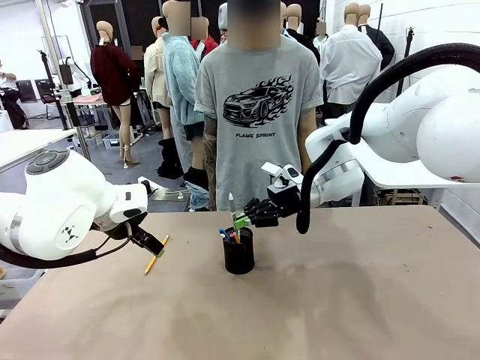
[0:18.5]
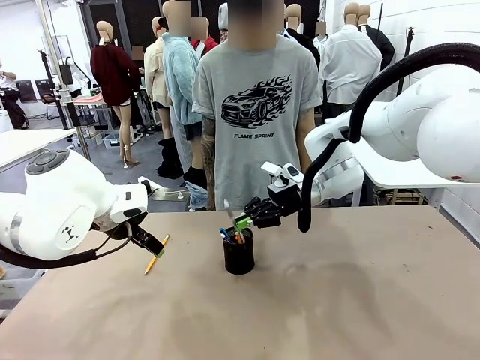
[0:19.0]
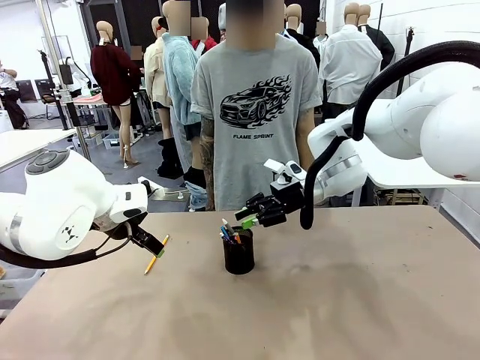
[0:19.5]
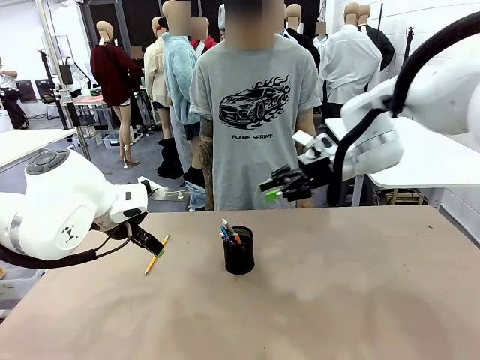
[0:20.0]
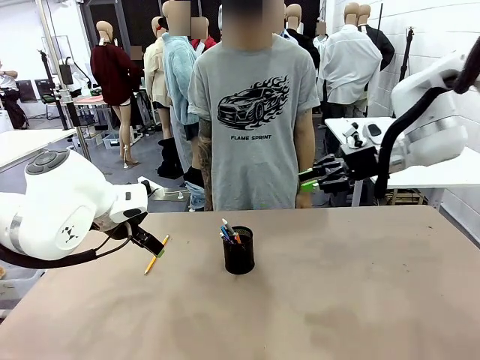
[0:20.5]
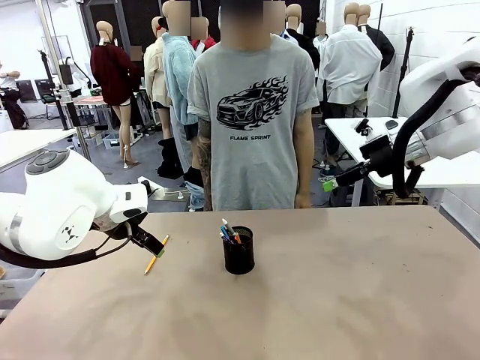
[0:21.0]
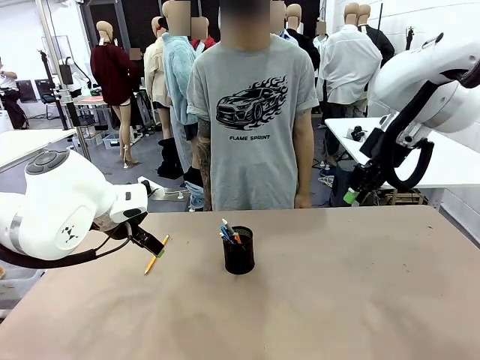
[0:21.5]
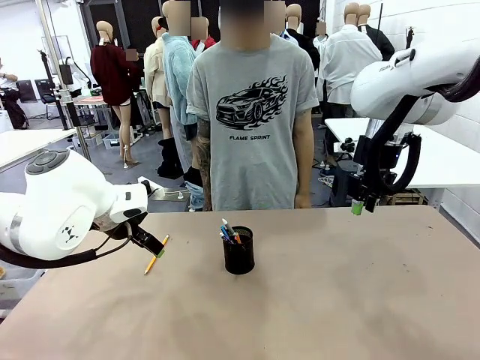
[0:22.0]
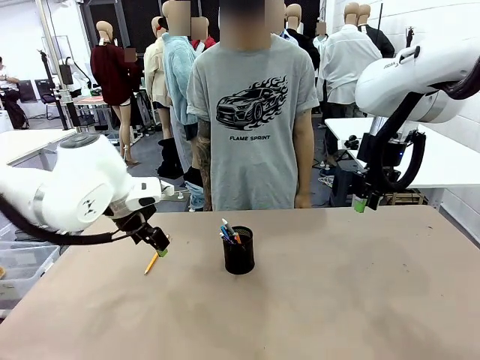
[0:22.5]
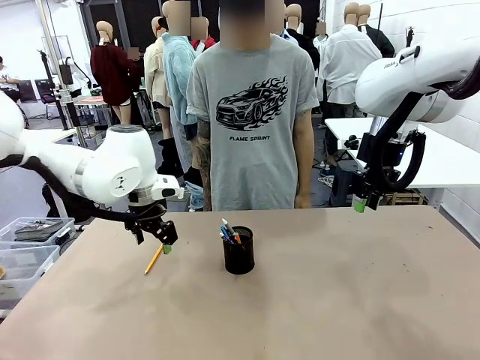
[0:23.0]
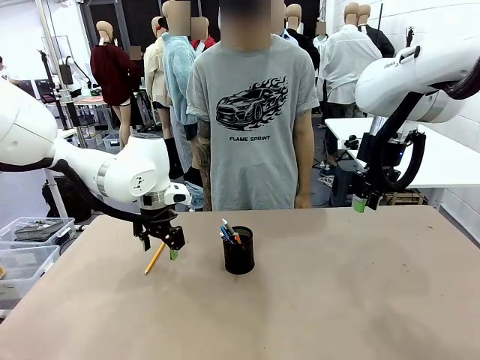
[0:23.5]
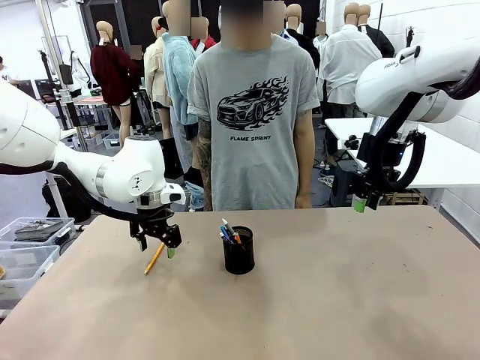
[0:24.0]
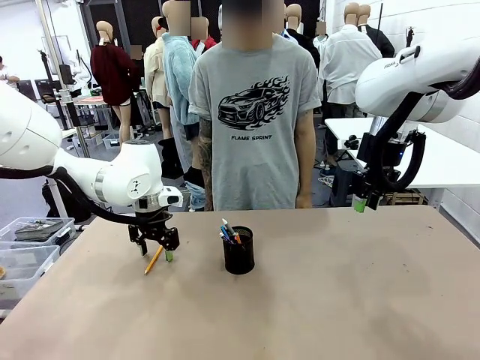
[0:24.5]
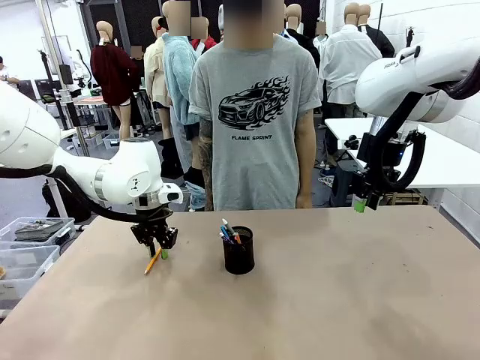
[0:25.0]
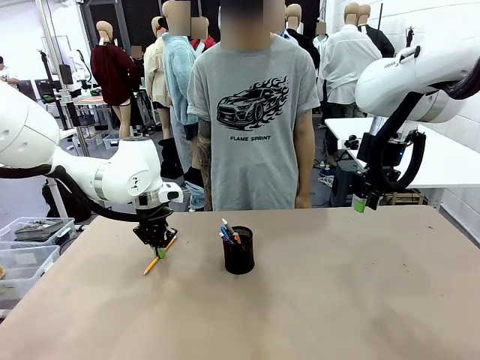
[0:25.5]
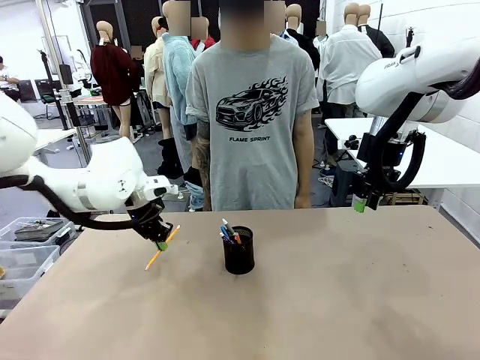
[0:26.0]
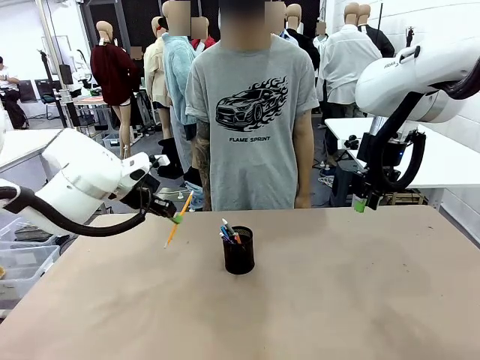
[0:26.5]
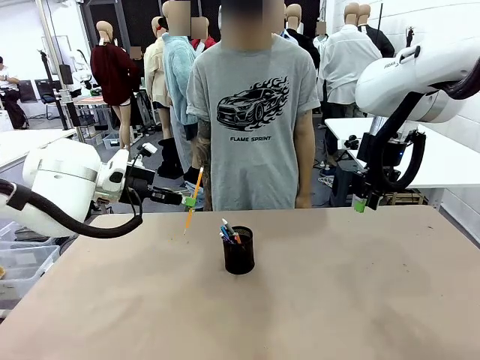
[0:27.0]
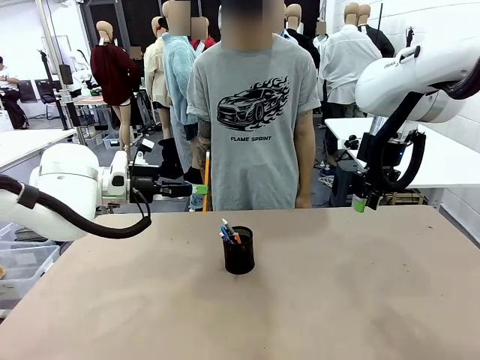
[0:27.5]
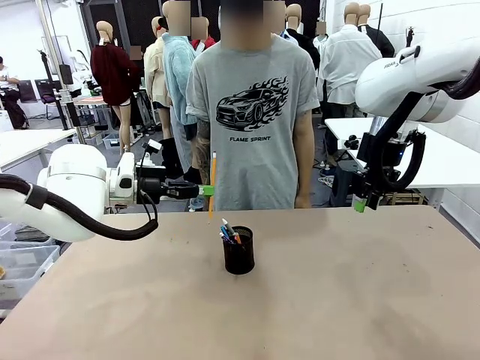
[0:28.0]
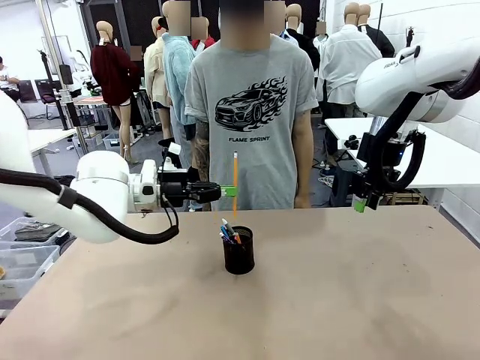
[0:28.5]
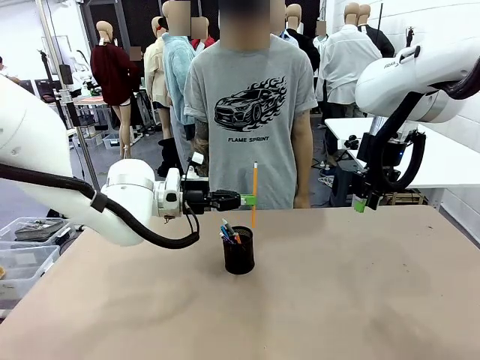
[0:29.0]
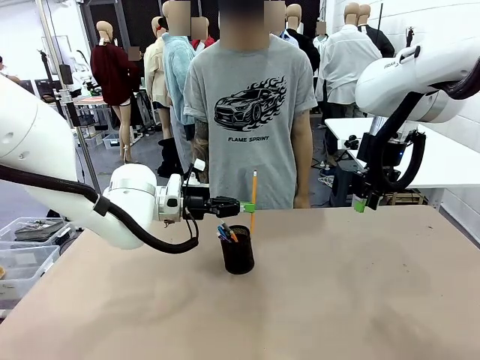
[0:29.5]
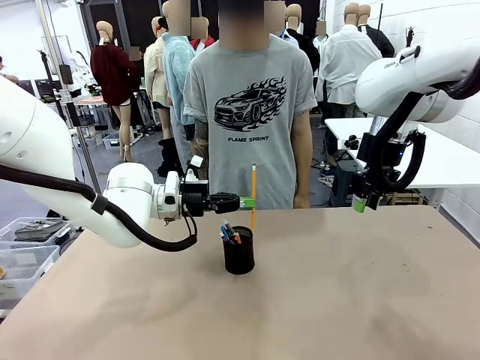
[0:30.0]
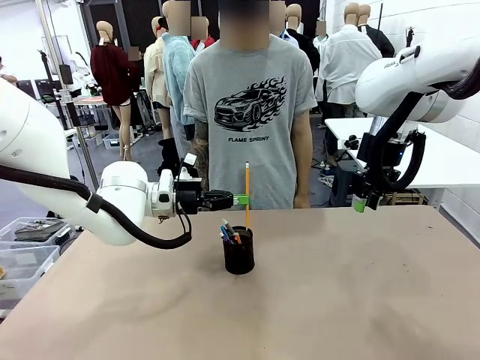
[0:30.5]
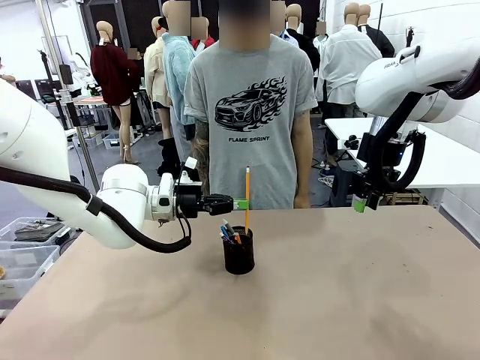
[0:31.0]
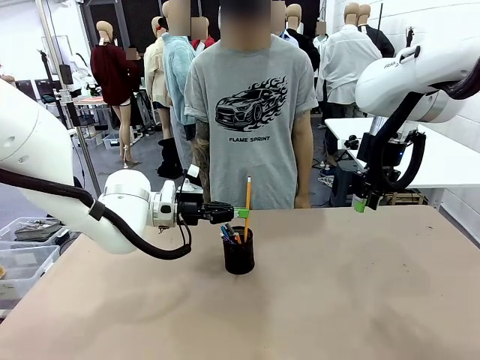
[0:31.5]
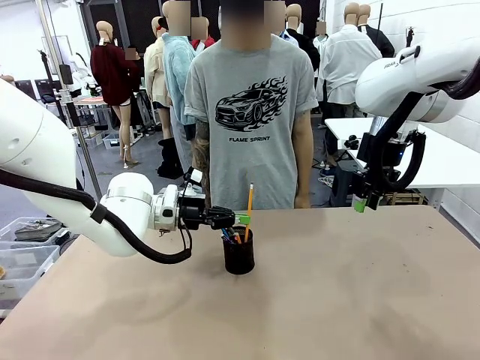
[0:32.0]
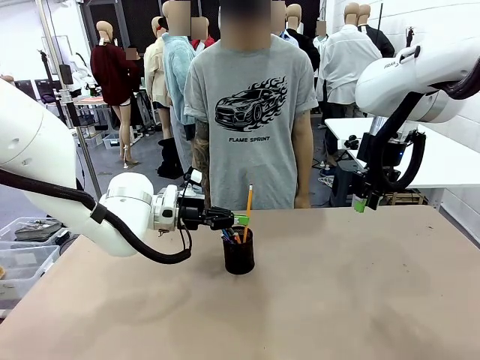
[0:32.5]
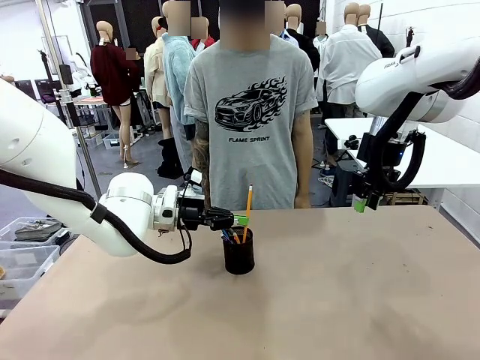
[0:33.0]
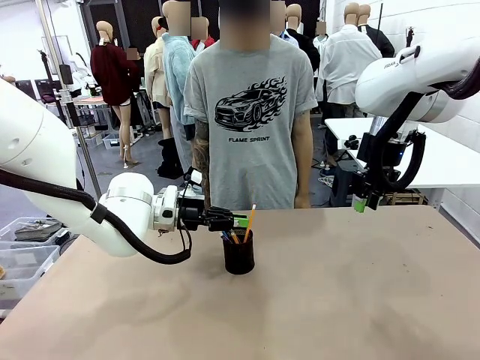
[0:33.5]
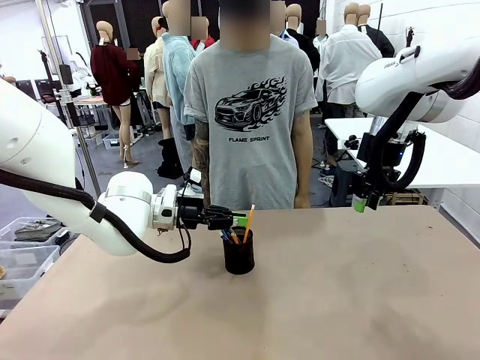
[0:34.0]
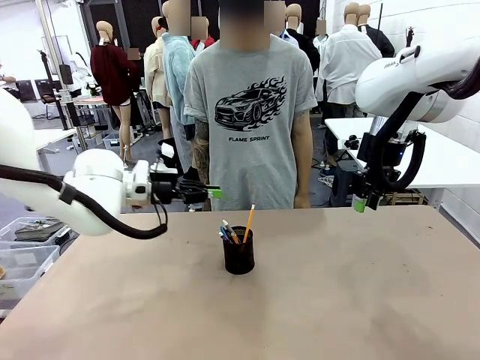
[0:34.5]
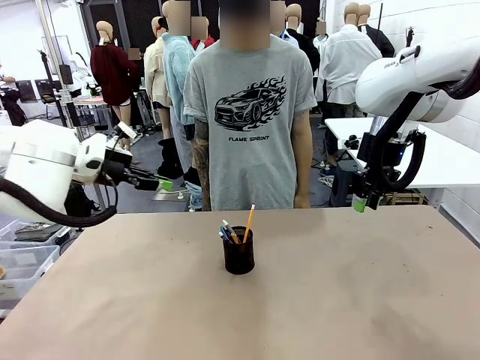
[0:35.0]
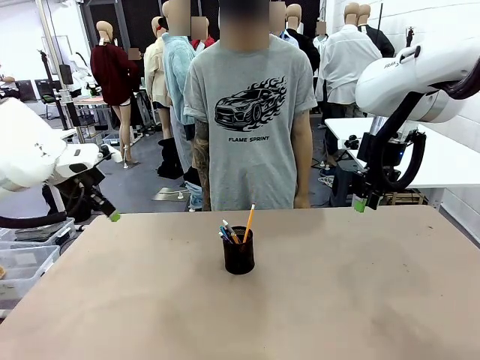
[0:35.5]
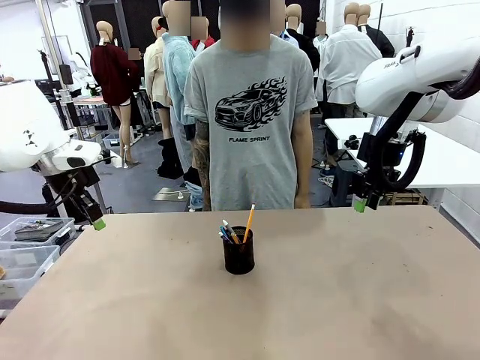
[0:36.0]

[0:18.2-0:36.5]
Task: Place the pens into the pen holder.
Robot: Pick up a writing instrument from the table and place it into the Pen holder.
Person: Place all writing instrument into the Pen holder.

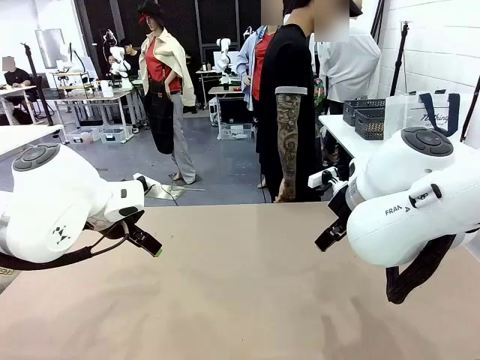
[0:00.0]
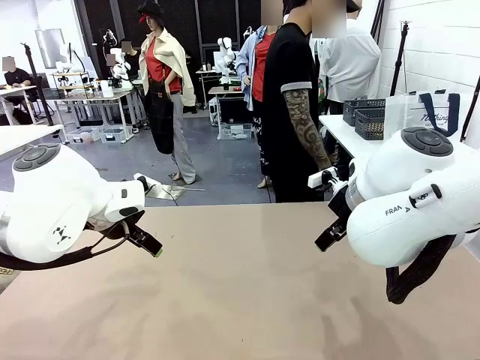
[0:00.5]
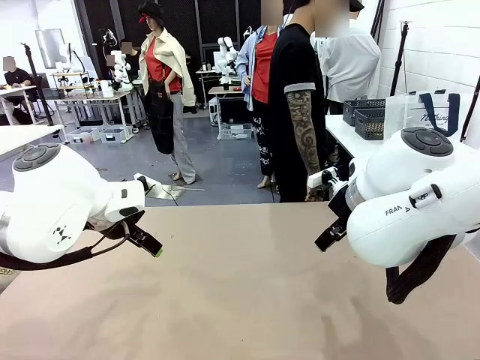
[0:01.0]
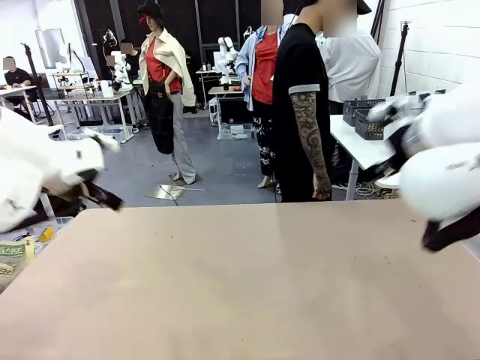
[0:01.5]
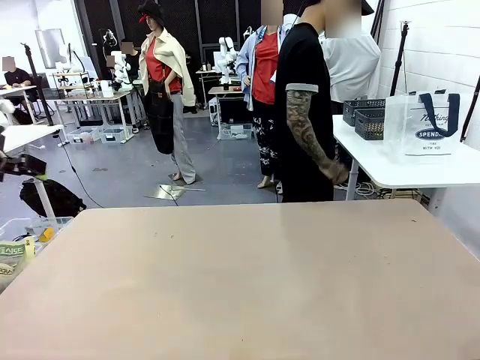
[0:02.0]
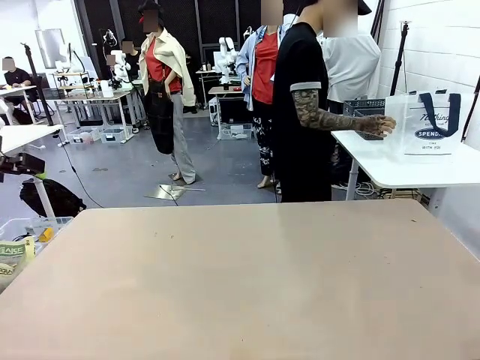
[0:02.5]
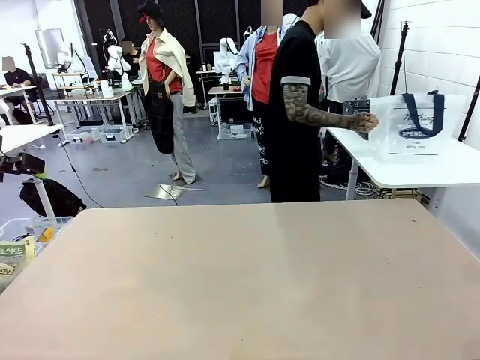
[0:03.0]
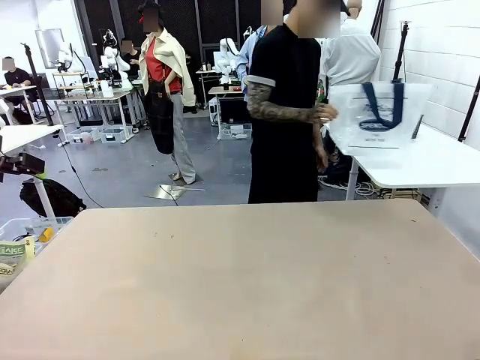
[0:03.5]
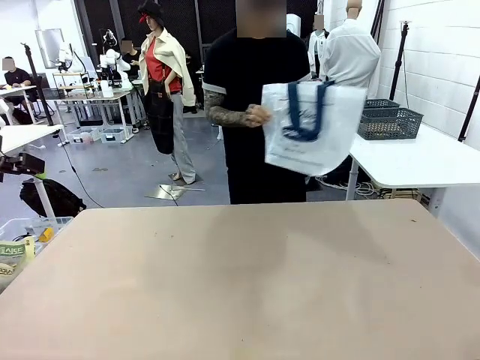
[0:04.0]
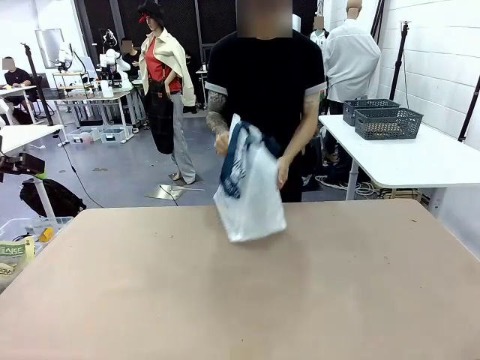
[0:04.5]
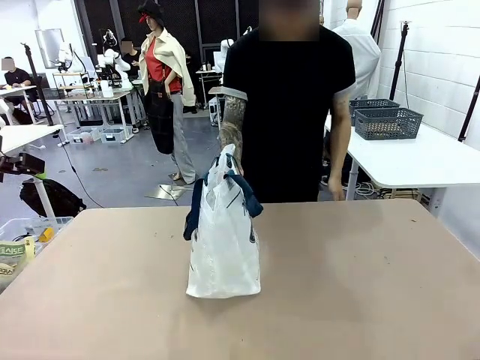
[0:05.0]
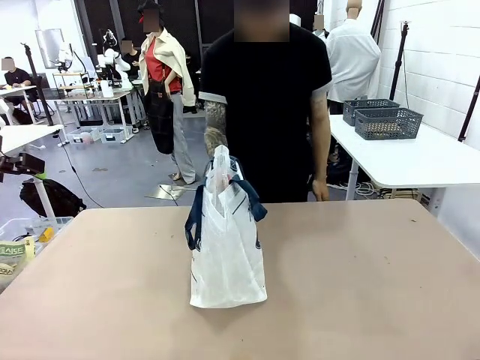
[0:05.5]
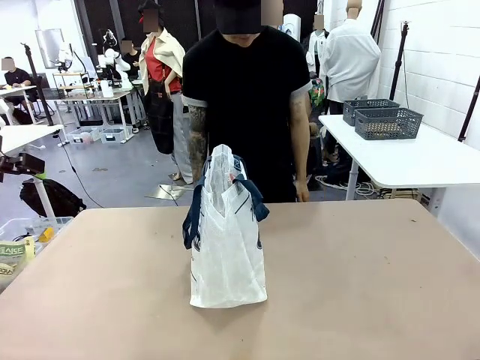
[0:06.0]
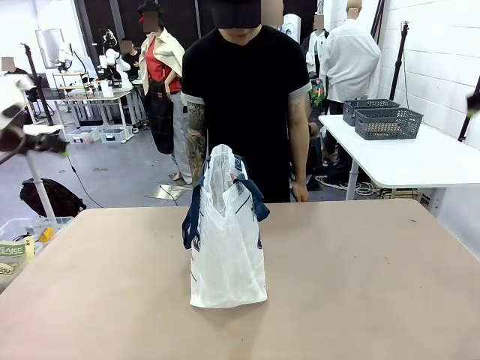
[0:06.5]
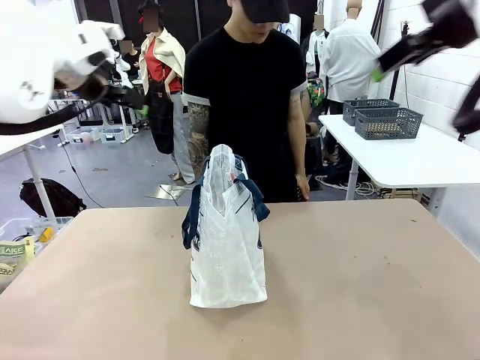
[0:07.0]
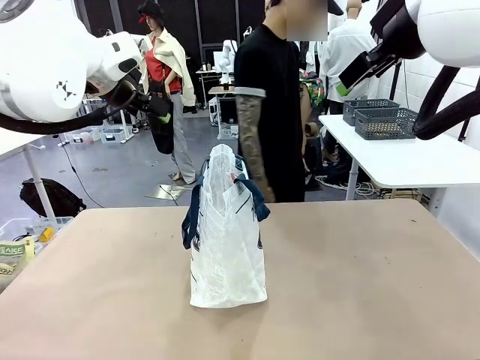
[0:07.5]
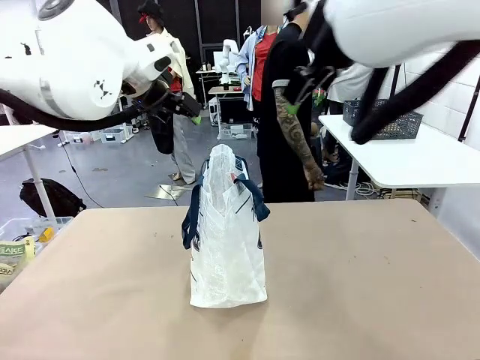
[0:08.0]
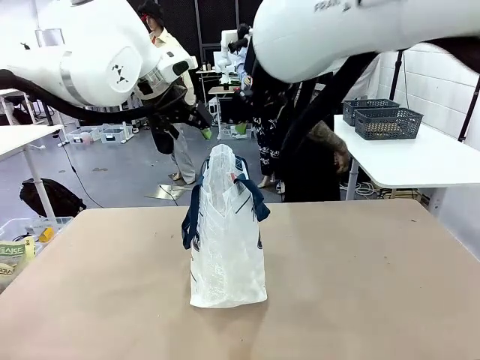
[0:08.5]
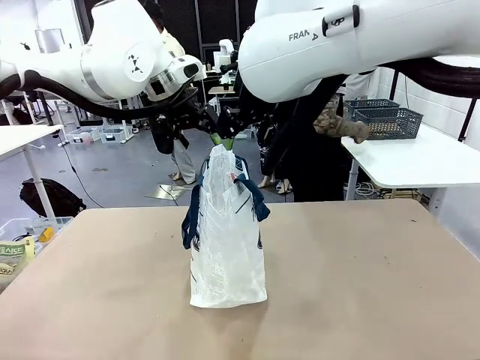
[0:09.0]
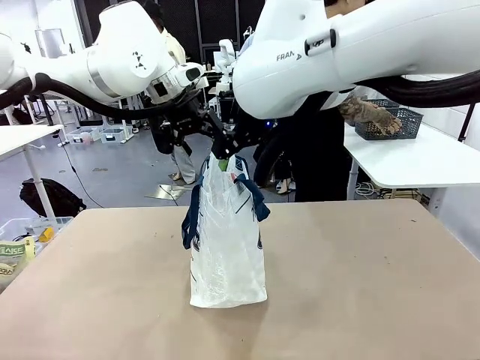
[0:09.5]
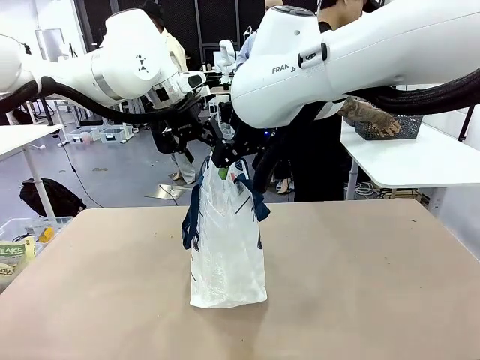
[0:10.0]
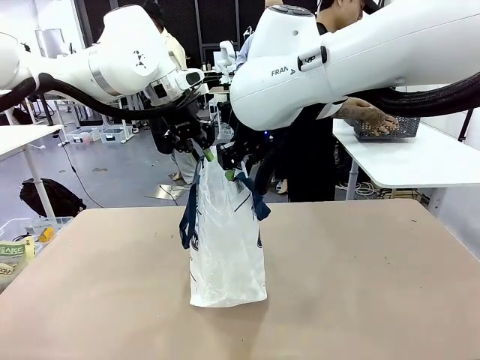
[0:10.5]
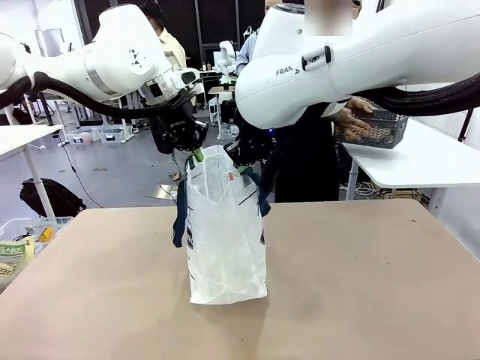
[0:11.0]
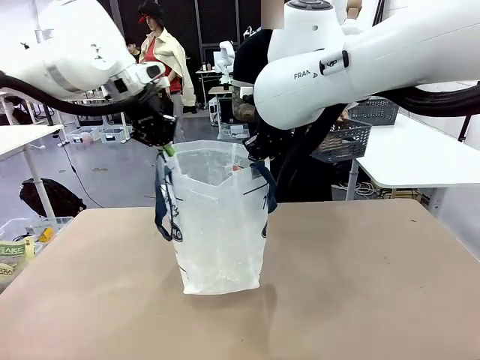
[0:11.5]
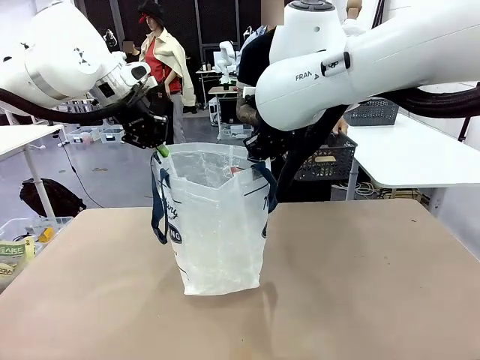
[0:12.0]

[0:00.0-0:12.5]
Task: Transfer purchased items from the store into the shopping bag.
Robot: Open the Reusable shopping bag in the center of the table.
Person: Pick up the shopping bag and place it in the middle of the robot table. Pick up the basket on the right, place it on the left side of the robot table, and move the items in the basket to the shopping bag.
